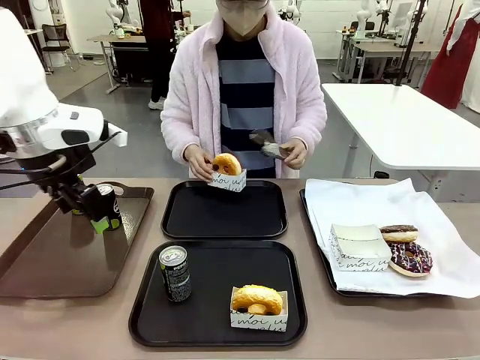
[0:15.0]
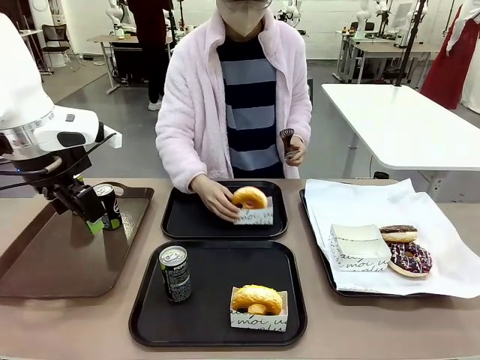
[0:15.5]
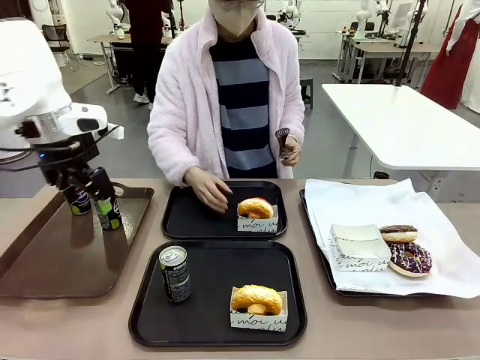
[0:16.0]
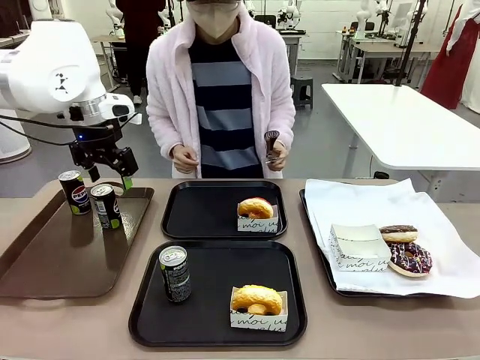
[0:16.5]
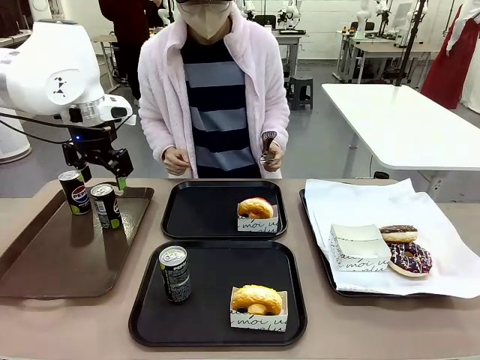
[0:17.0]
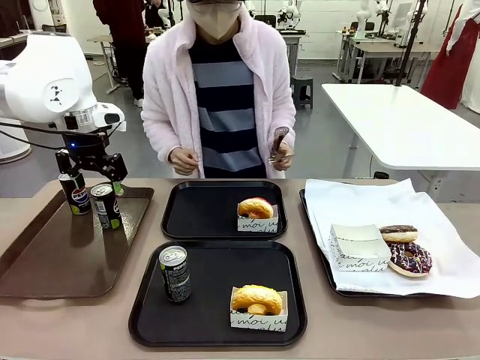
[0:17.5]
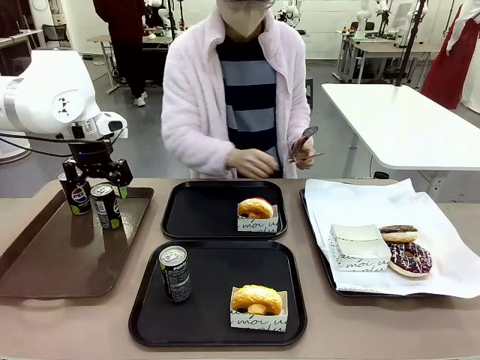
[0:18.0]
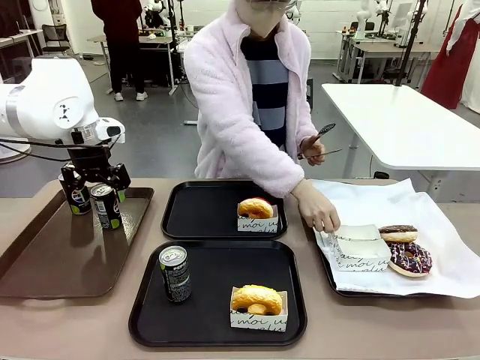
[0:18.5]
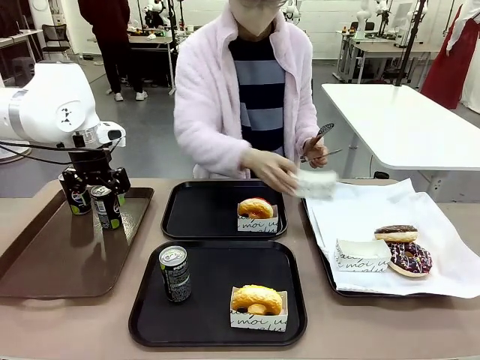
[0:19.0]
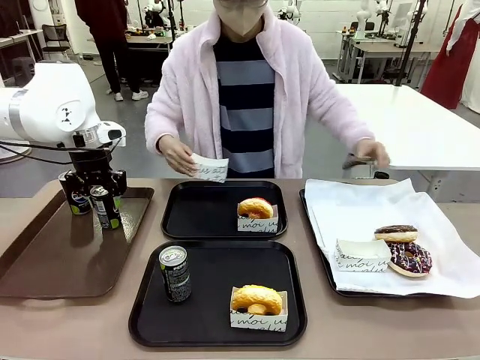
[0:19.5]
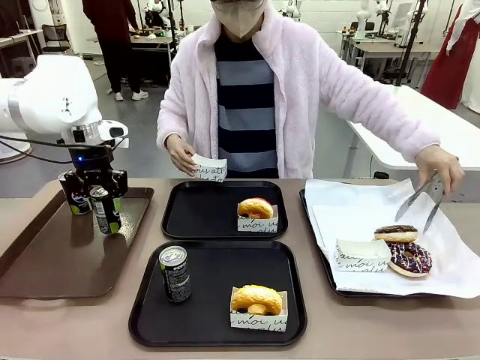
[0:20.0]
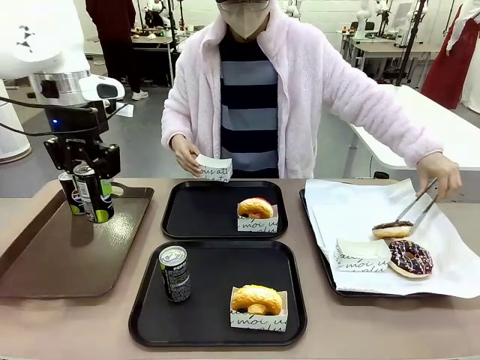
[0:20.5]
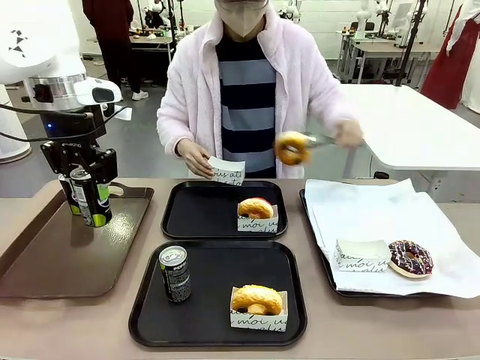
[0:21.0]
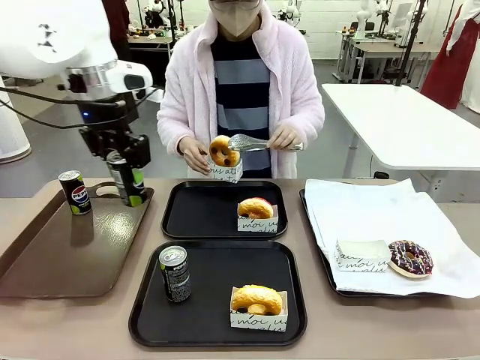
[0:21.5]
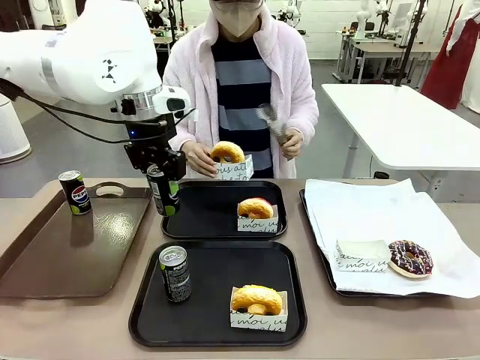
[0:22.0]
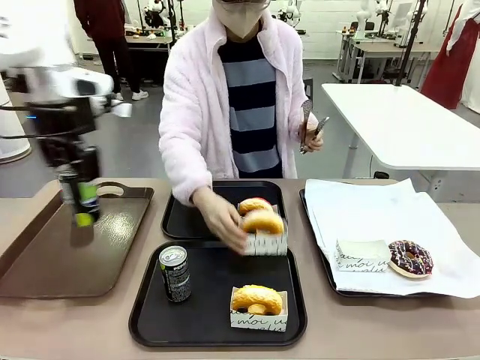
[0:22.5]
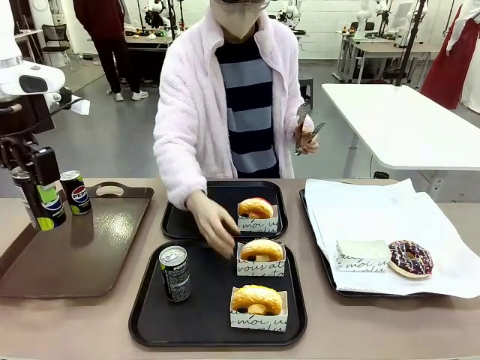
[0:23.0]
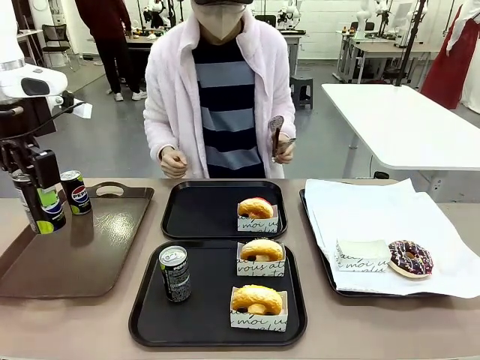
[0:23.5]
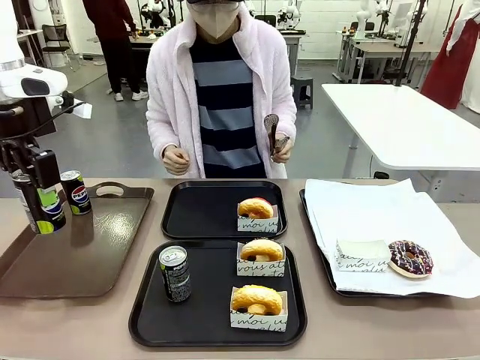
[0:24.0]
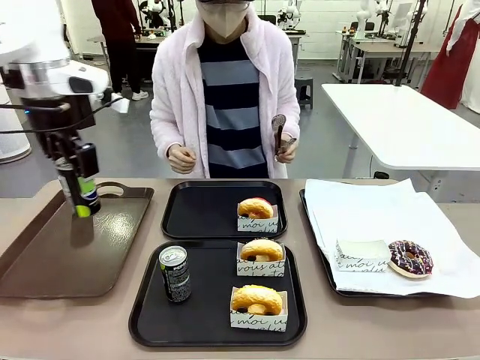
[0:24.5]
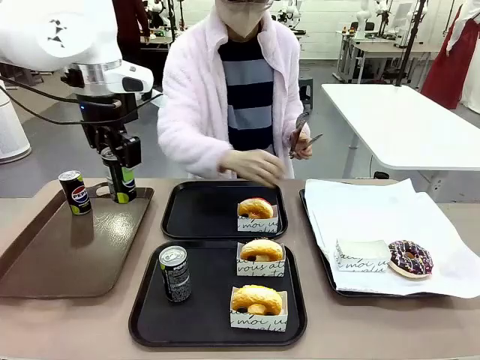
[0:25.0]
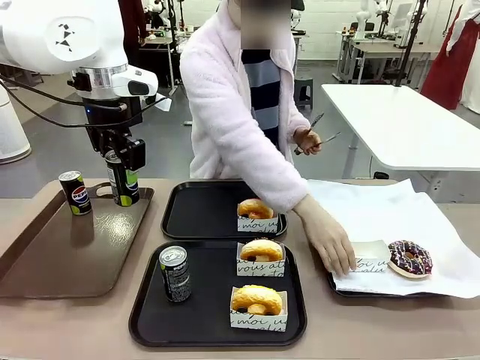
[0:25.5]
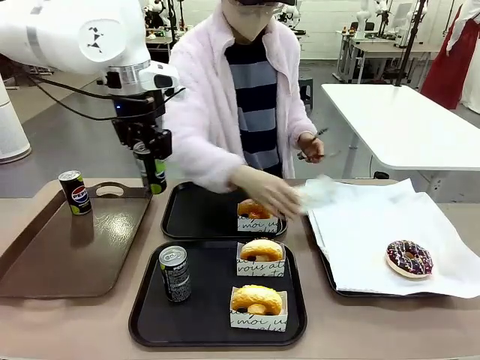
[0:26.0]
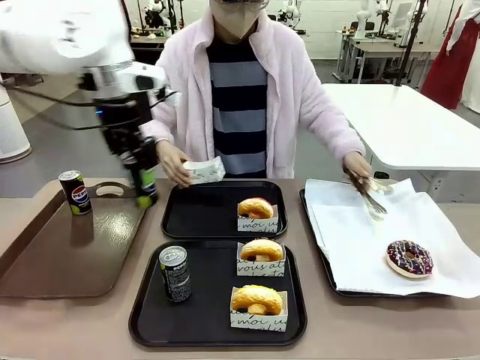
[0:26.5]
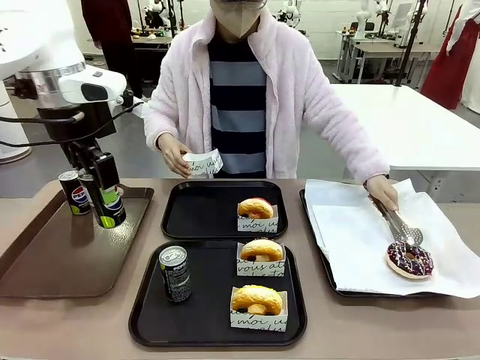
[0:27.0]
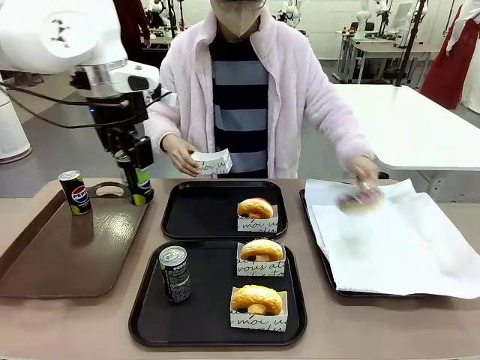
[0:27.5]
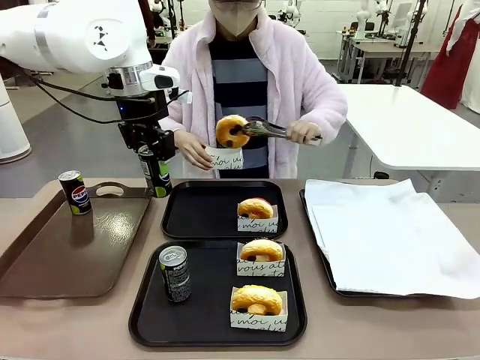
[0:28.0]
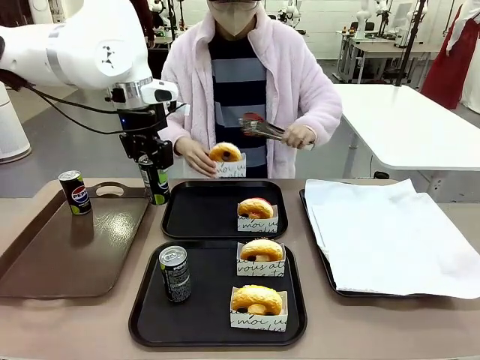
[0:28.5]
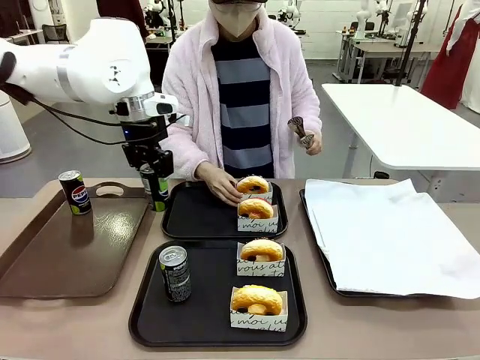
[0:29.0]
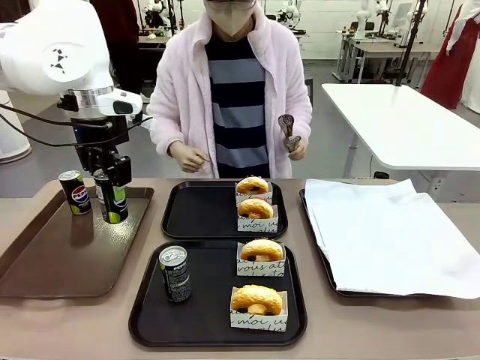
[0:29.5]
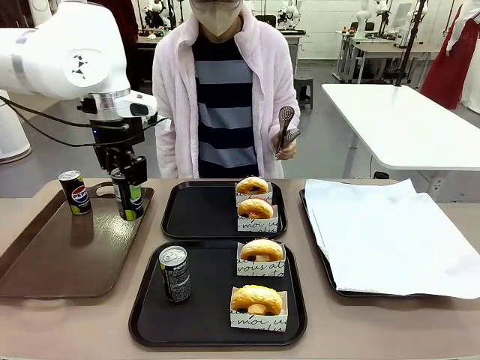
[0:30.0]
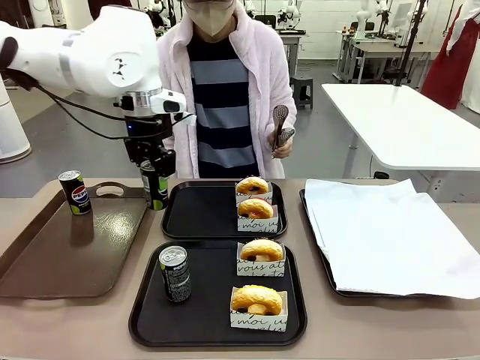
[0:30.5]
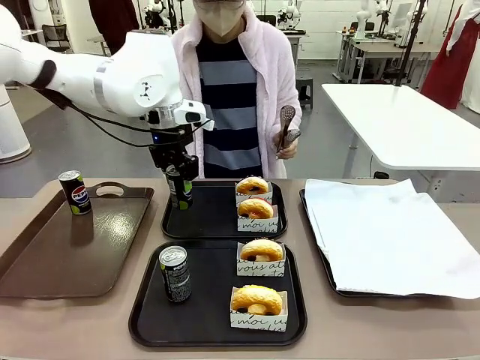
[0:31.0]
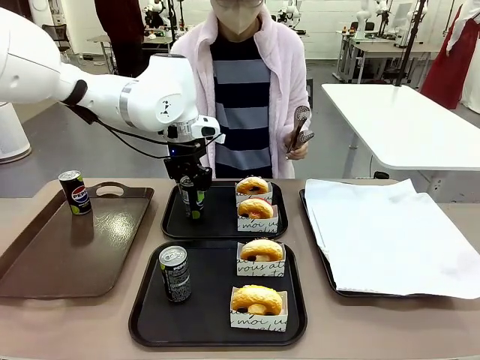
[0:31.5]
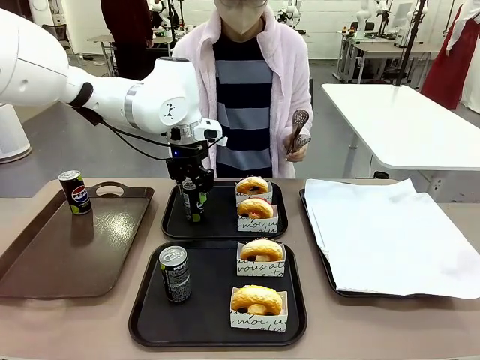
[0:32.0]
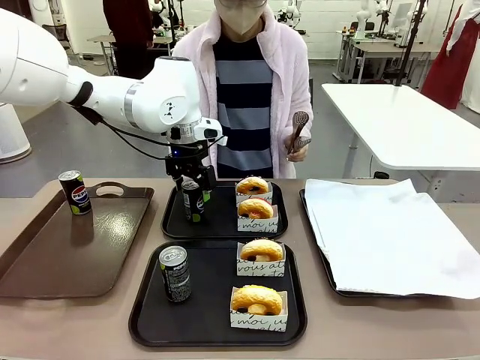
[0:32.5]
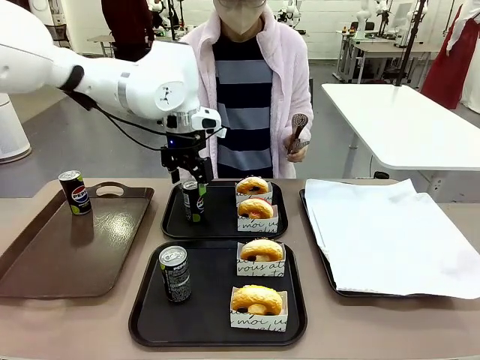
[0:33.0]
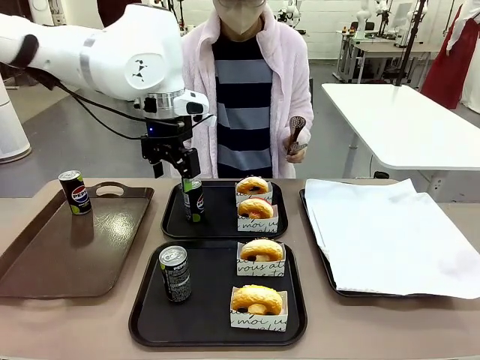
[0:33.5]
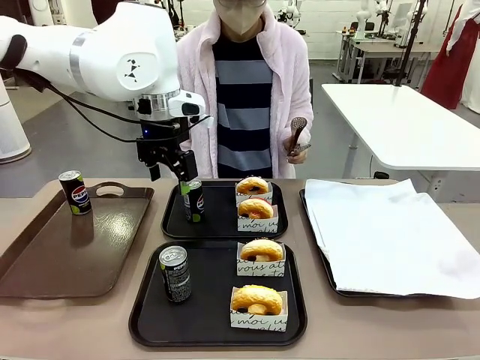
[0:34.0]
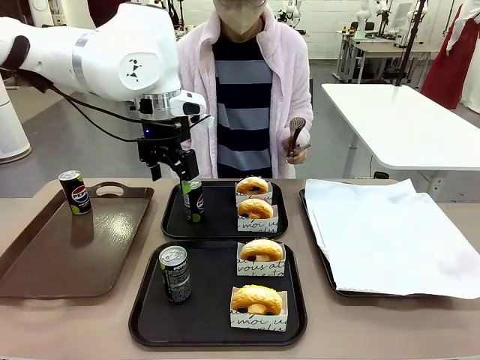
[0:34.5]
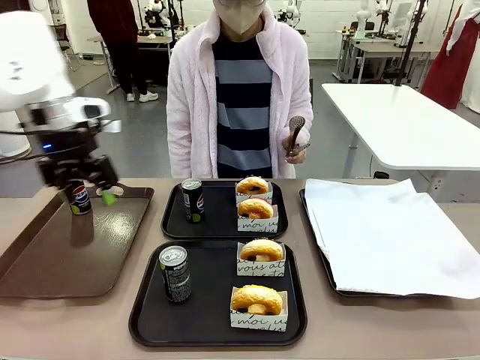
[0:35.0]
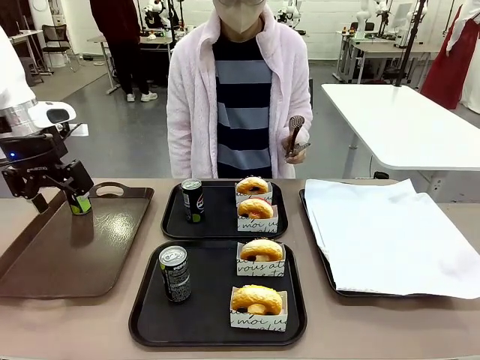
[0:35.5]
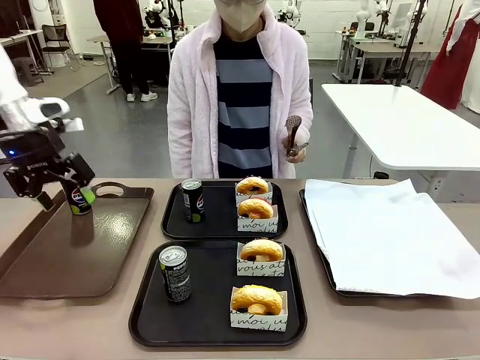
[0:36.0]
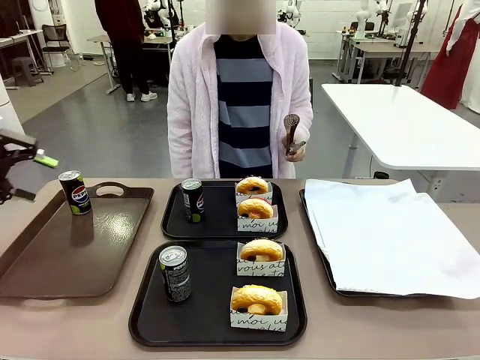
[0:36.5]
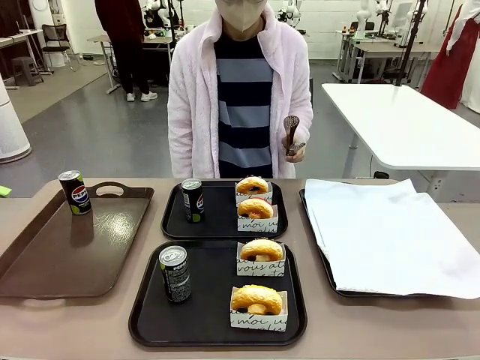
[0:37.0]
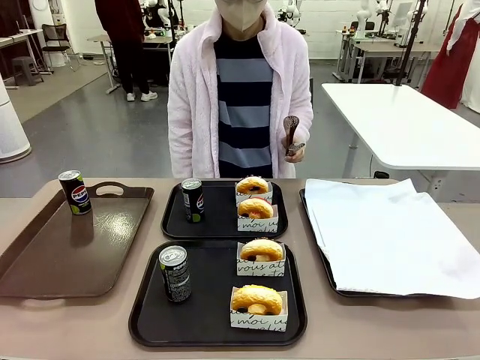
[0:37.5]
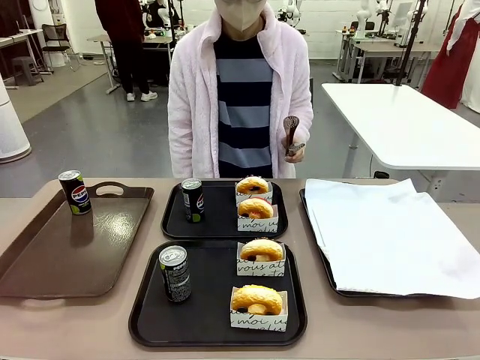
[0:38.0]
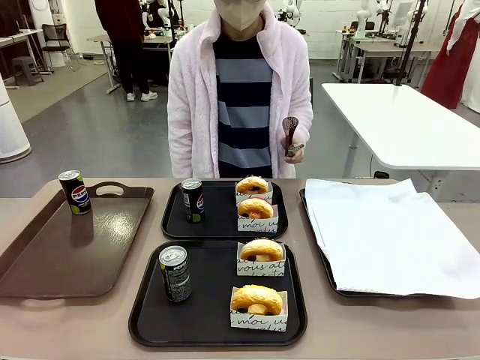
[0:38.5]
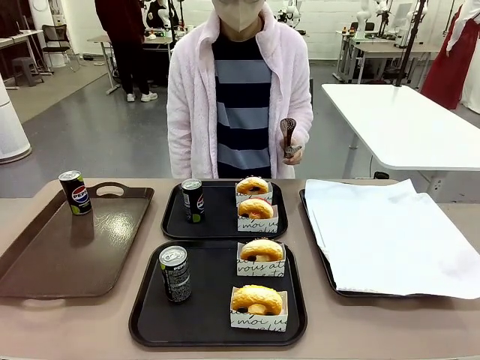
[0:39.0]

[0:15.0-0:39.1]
Task: Set up donuts and drinks on trays.
Robot: Pick up one Pepsi coke from the Handle tray and place it on the Flat Tray without a Pepsi coke.
Person: Pick up one donut with tongs, place it in the donut tray, and then place the donut tray on the flat tray.
